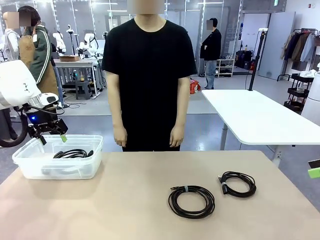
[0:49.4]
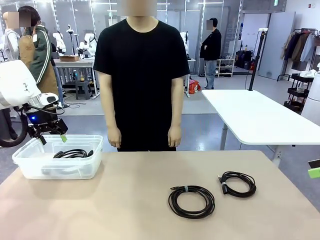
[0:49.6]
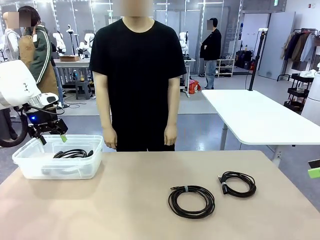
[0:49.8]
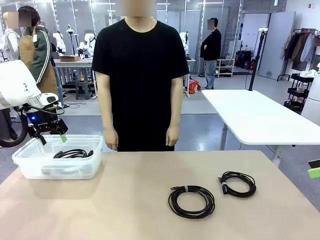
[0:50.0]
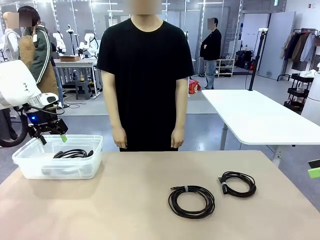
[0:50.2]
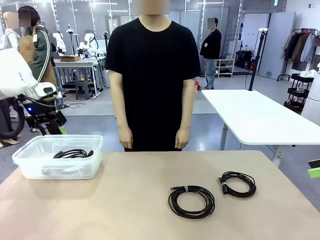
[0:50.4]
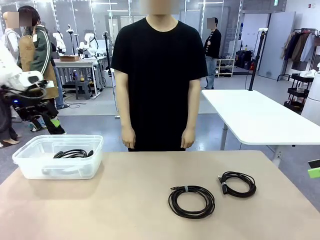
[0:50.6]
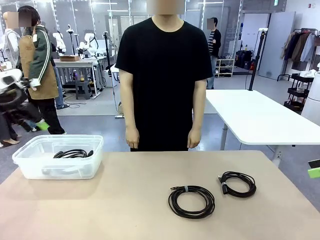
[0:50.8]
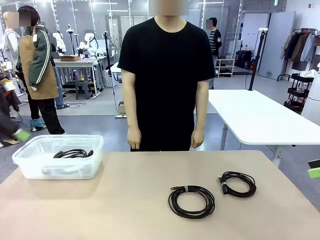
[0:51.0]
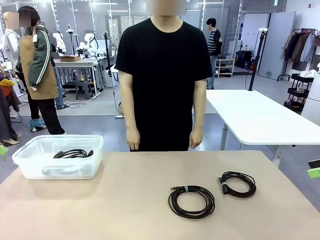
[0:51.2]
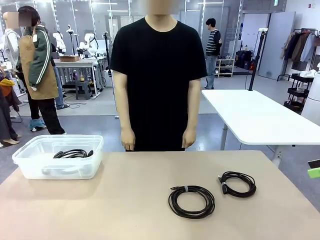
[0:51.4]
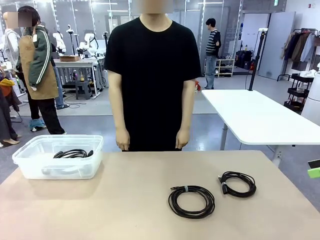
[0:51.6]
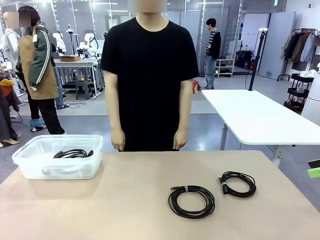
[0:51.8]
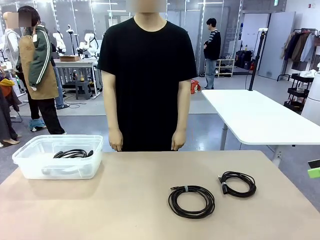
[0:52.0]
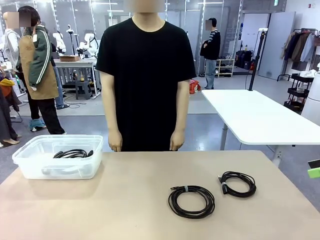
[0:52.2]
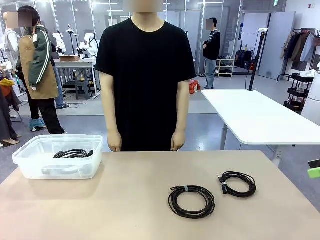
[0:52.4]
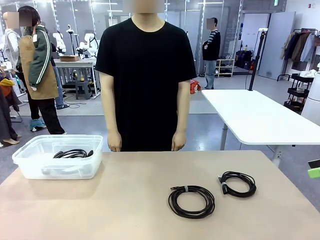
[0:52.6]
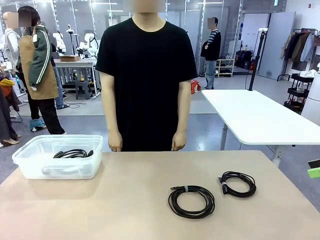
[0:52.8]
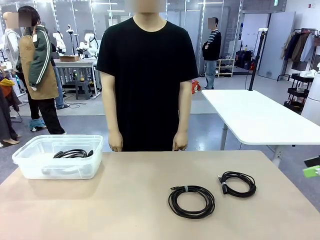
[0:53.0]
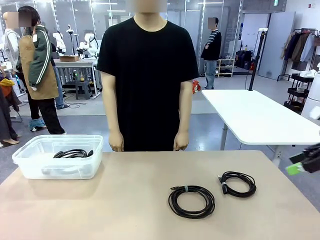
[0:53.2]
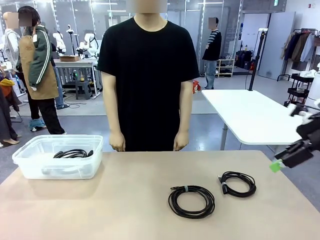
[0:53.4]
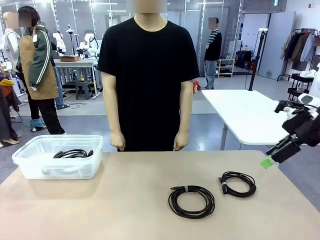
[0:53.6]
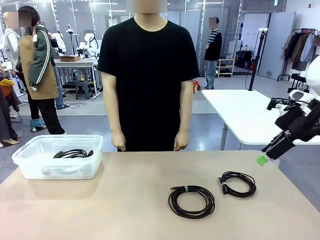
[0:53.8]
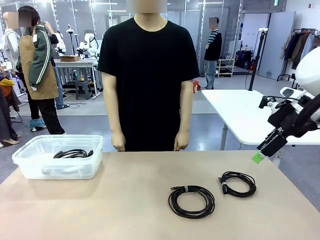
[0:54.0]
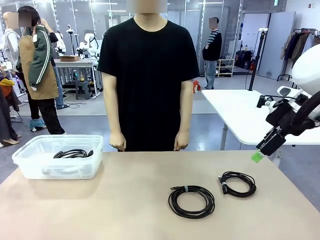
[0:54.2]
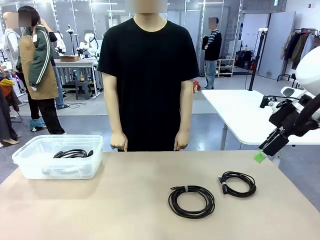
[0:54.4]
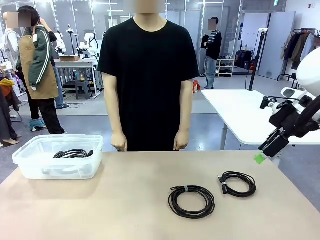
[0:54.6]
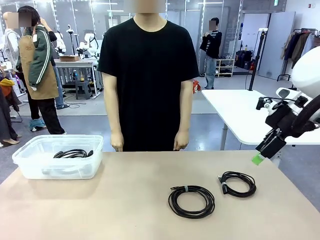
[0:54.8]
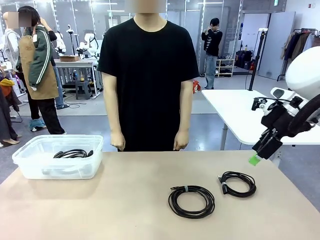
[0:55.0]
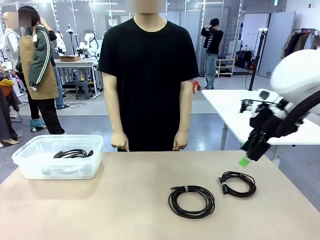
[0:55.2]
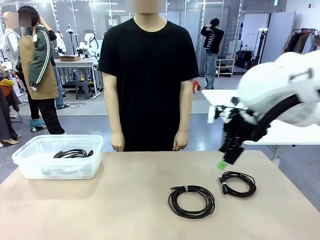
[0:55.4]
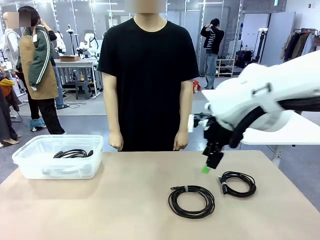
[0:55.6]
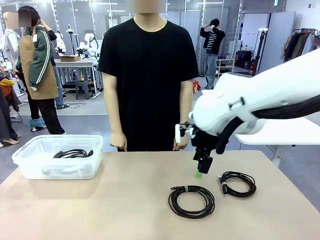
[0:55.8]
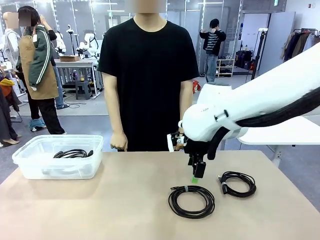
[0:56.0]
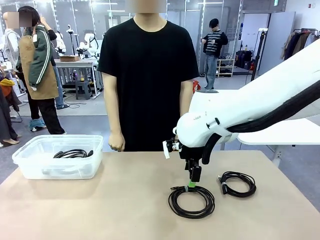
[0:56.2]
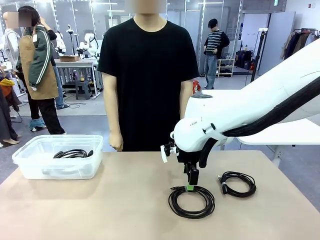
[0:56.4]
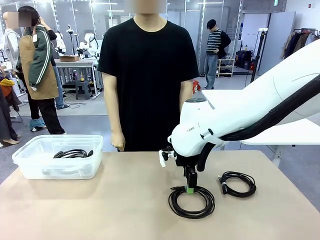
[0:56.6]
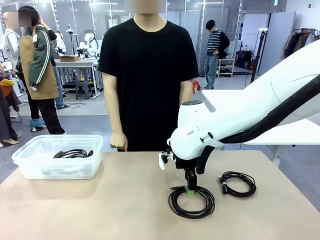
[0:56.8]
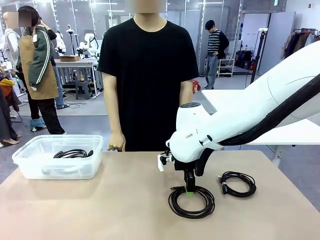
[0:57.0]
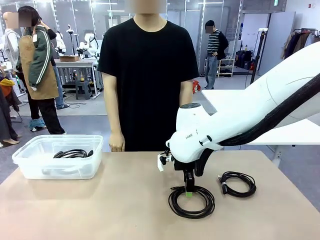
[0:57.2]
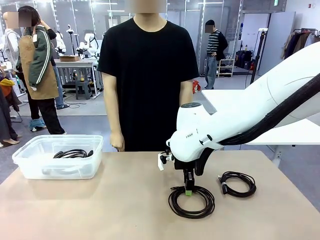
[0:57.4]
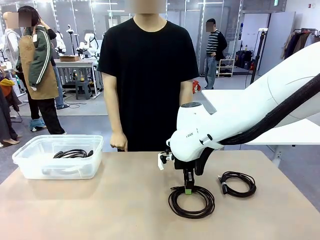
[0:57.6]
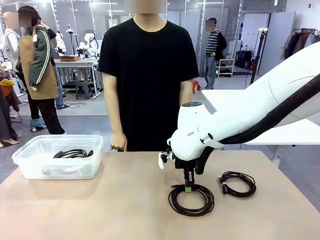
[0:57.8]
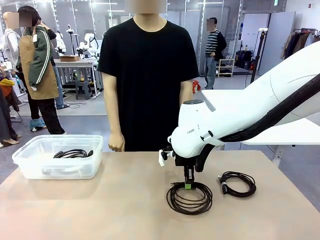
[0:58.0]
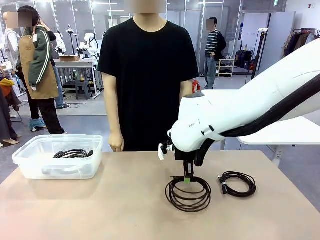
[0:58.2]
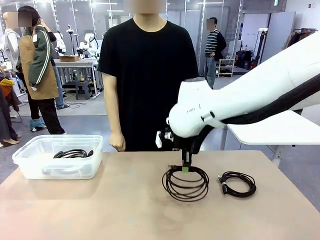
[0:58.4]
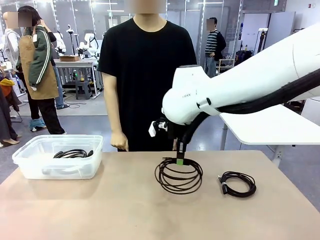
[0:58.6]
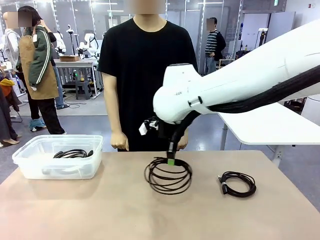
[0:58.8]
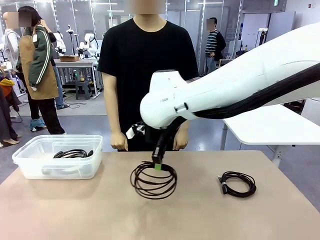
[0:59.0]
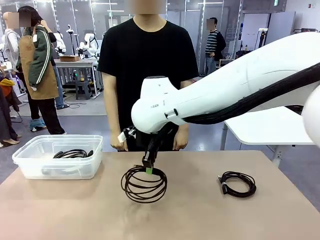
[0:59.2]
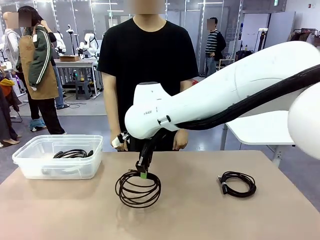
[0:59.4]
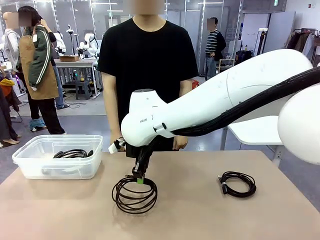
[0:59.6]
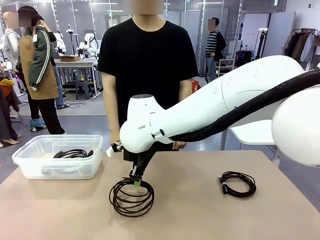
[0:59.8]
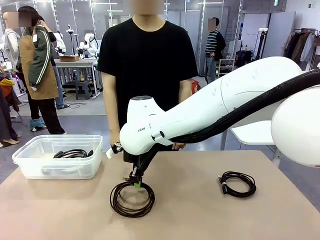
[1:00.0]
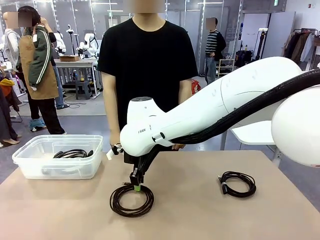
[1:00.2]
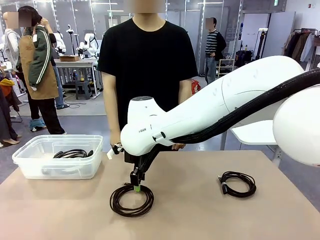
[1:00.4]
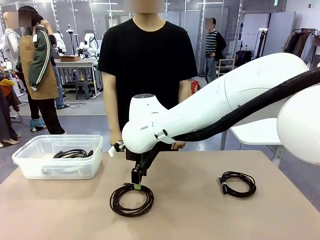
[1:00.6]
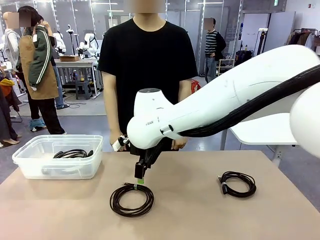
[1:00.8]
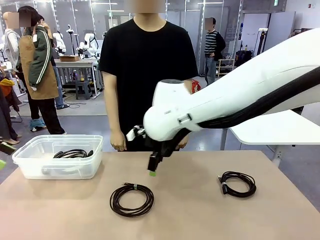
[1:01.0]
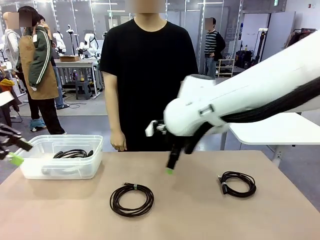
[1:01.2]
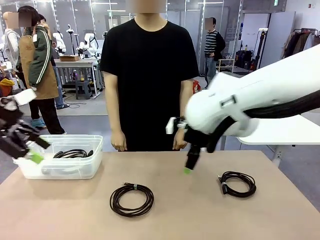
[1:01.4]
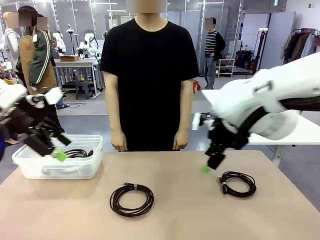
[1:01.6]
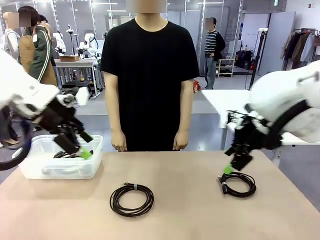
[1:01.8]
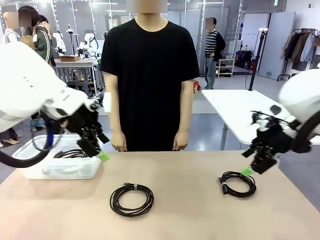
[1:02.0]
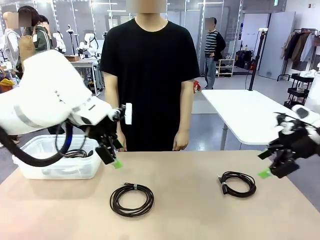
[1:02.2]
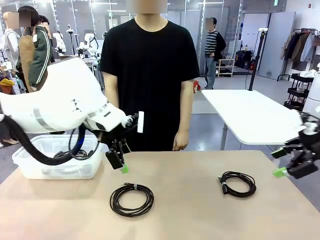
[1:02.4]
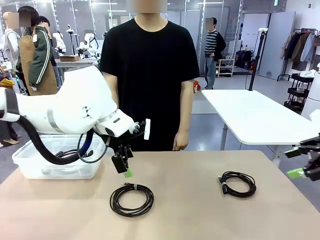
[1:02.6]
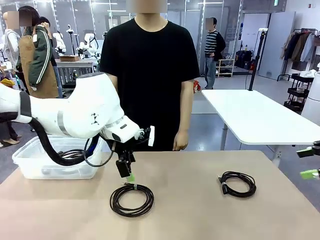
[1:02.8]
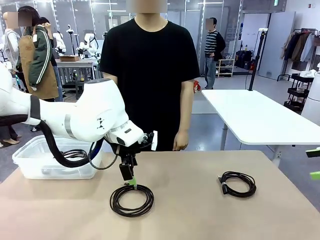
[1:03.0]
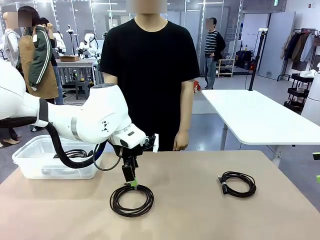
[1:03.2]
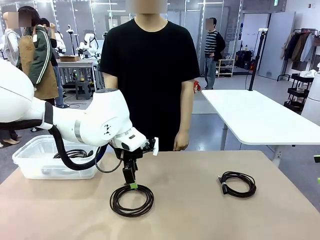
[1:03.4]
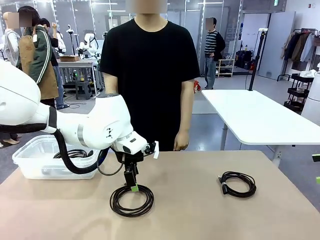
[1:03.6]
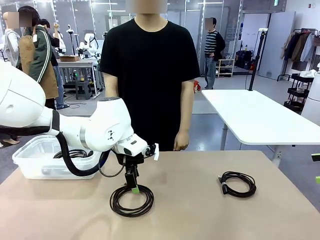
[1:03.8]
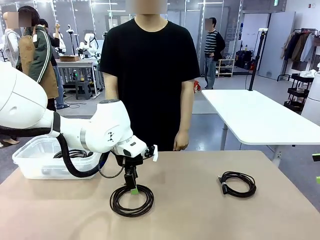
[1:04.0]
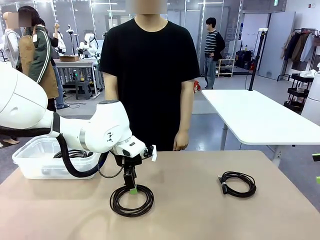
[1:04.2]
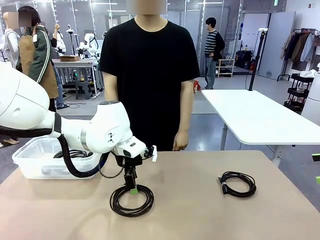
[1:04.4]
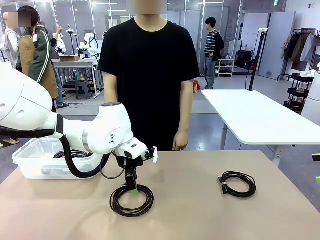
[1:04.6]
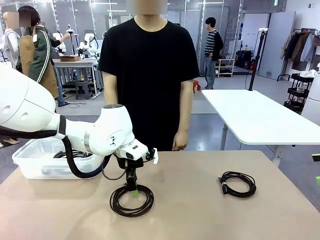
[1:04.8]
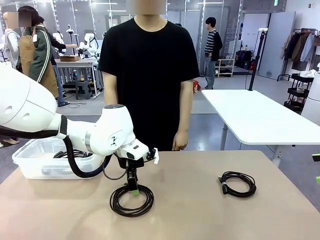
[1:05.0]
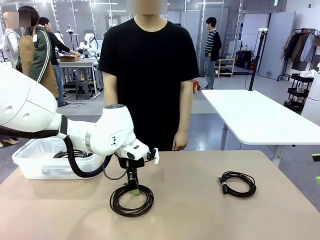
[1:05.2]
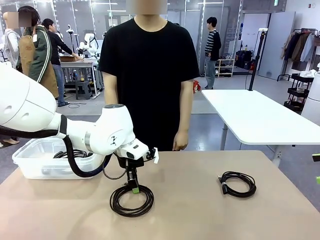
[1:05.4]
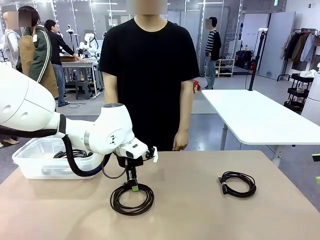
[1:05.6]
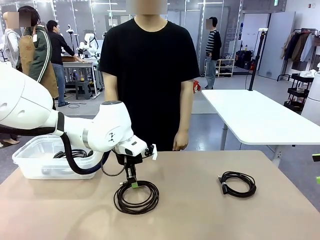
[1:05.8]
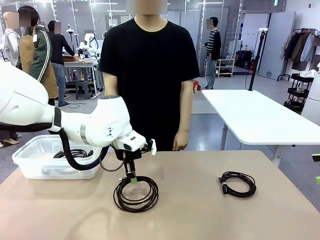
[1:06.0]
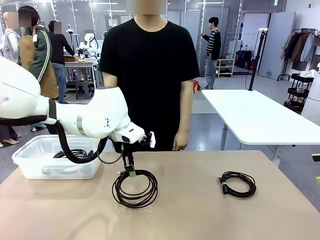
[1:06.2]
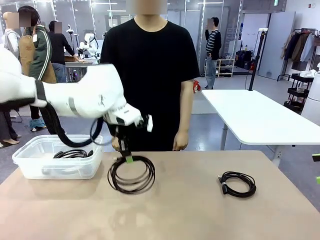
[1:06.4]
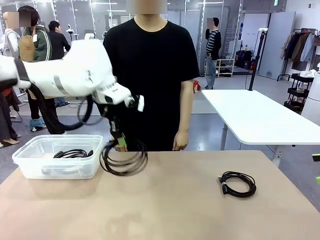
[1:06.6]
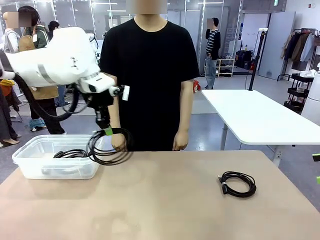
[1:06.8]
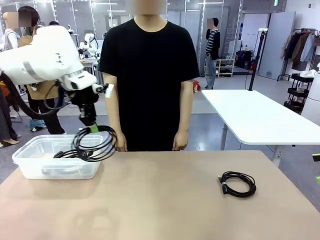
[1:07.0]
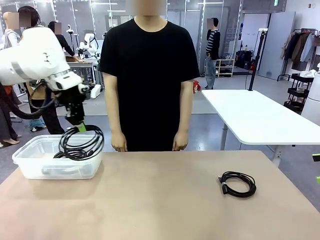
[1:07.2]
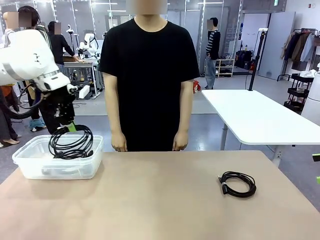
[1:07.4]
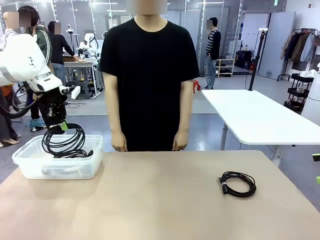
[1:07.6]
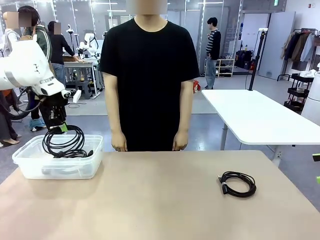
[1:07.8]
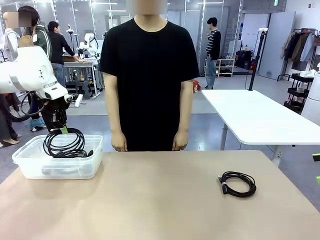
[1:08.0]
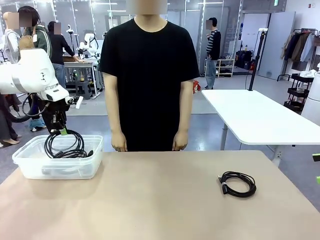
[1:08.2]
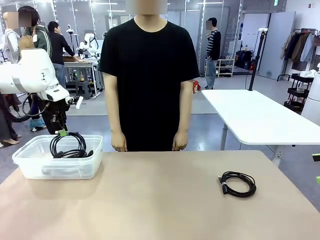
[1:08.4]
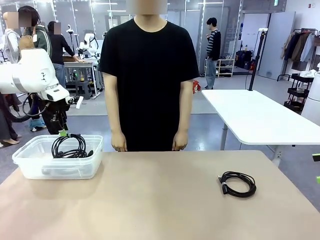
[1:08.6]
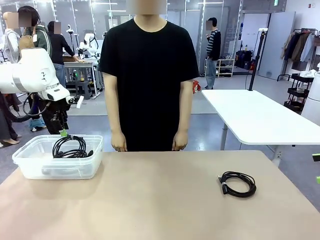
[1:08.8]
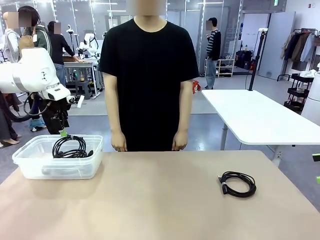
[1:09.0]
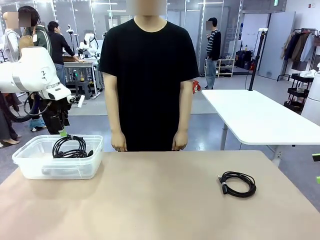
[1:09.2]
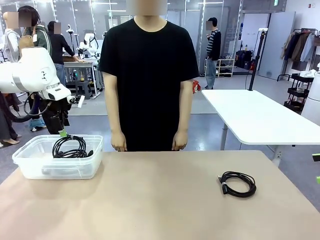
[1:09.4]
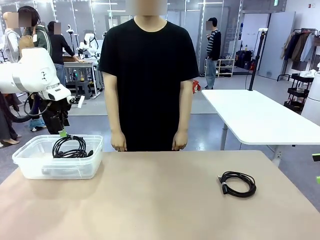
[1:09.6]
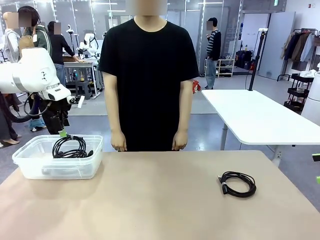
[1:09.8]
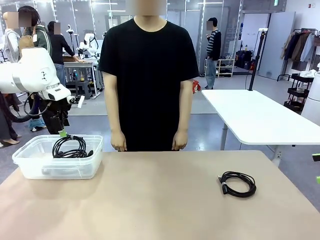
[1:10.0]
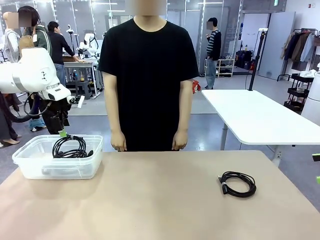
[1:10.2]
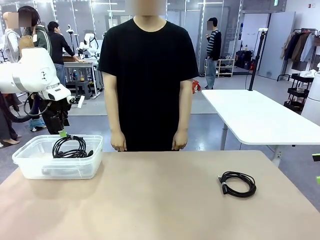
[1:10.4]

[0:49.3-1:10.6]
Task: Organize and store the cables.
Robot: Place the USB Extension Cable into the Organizing box.
